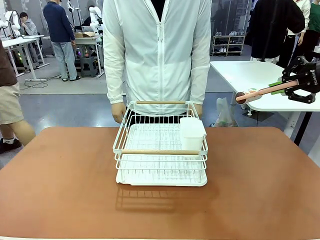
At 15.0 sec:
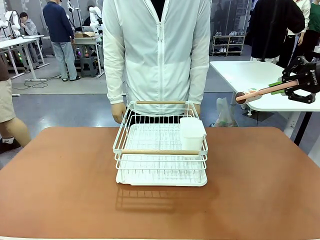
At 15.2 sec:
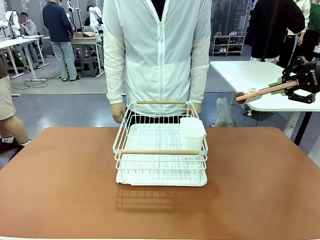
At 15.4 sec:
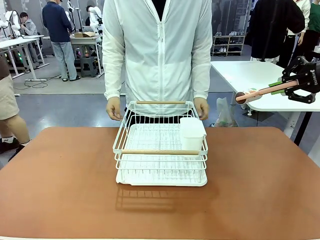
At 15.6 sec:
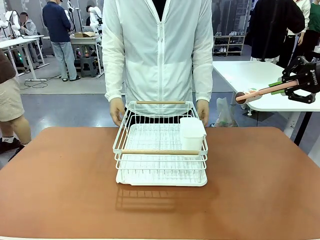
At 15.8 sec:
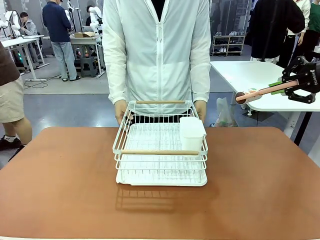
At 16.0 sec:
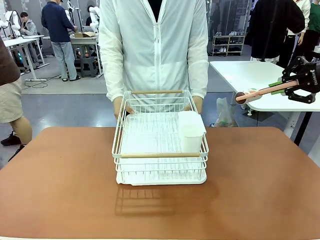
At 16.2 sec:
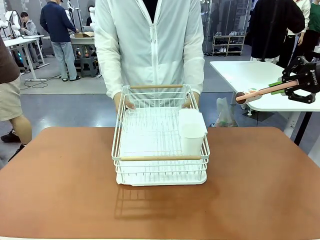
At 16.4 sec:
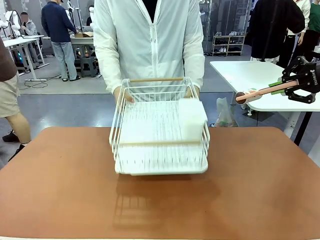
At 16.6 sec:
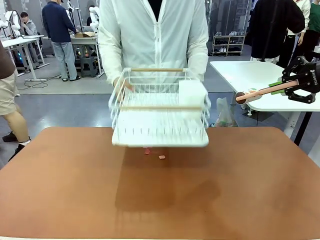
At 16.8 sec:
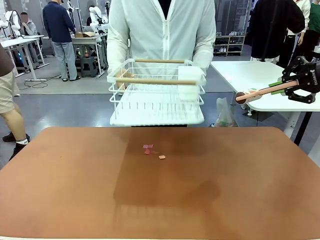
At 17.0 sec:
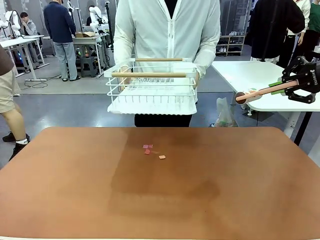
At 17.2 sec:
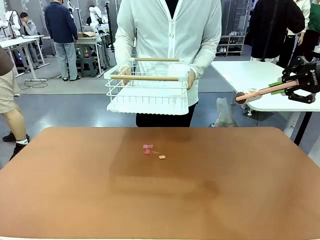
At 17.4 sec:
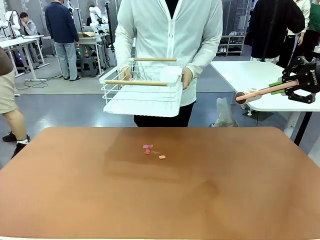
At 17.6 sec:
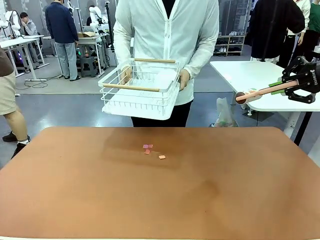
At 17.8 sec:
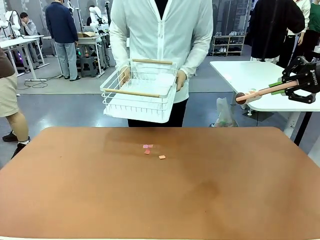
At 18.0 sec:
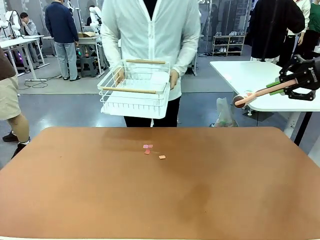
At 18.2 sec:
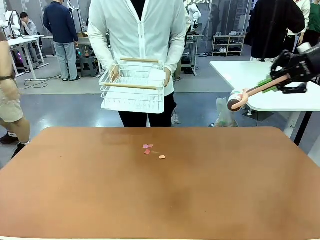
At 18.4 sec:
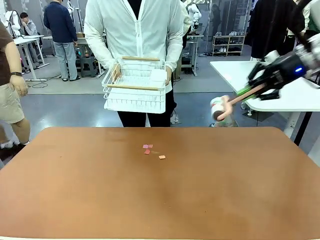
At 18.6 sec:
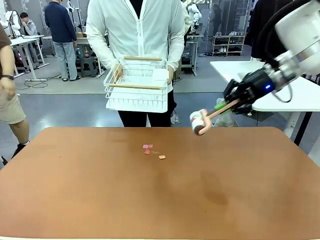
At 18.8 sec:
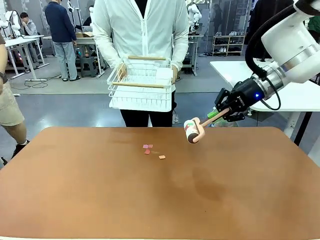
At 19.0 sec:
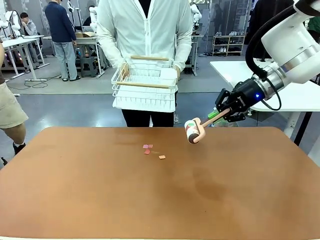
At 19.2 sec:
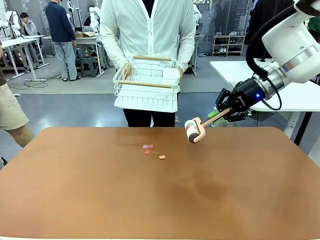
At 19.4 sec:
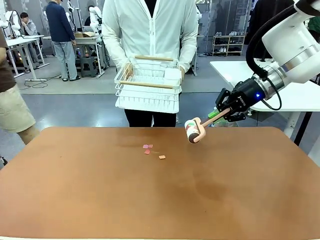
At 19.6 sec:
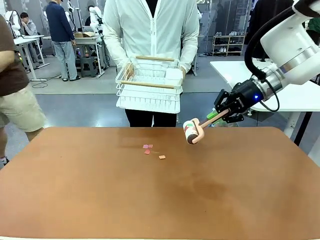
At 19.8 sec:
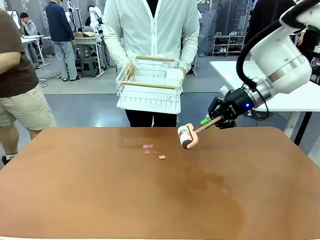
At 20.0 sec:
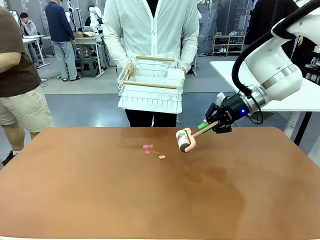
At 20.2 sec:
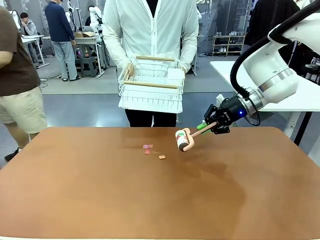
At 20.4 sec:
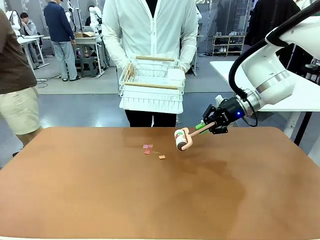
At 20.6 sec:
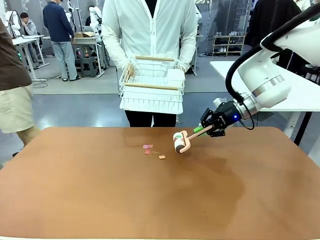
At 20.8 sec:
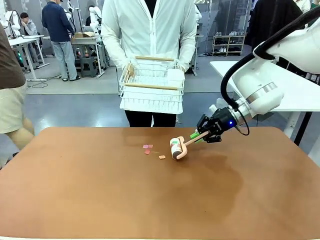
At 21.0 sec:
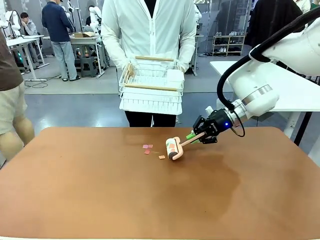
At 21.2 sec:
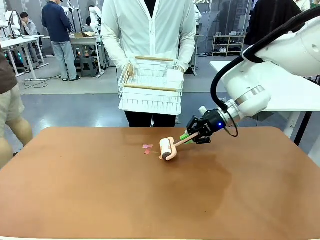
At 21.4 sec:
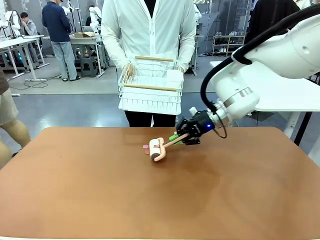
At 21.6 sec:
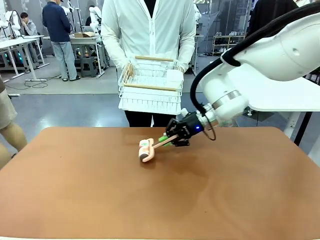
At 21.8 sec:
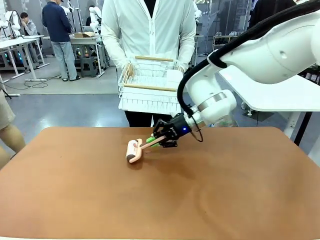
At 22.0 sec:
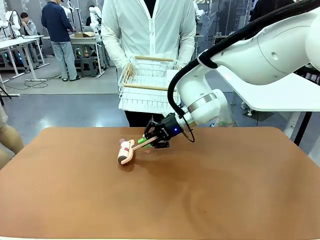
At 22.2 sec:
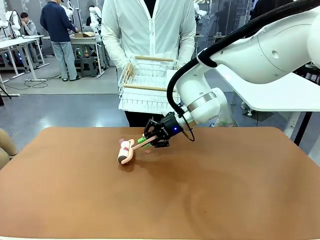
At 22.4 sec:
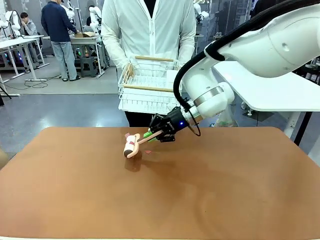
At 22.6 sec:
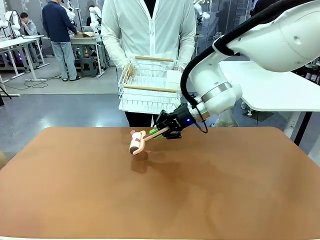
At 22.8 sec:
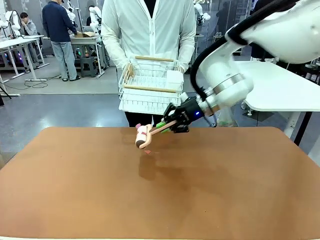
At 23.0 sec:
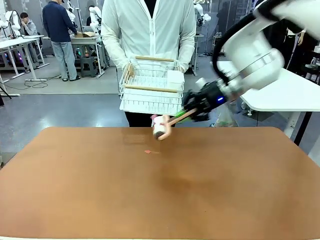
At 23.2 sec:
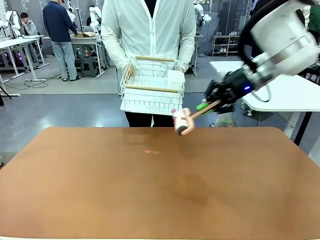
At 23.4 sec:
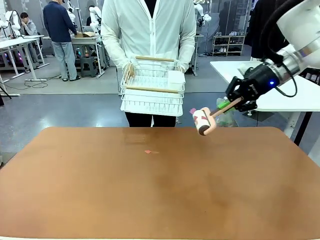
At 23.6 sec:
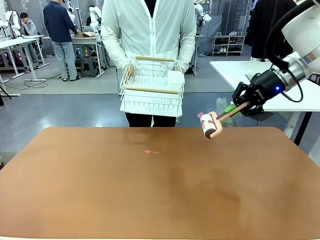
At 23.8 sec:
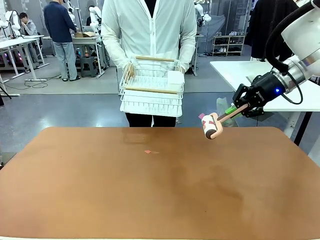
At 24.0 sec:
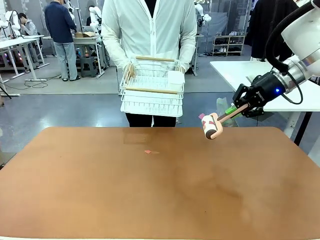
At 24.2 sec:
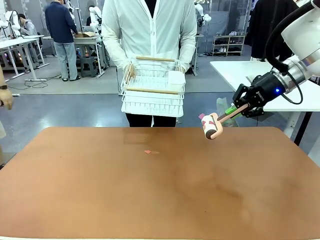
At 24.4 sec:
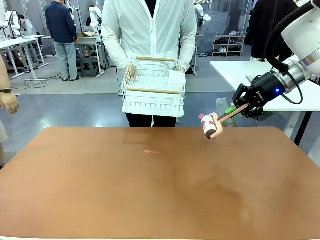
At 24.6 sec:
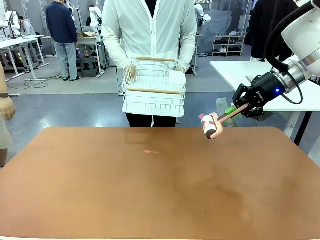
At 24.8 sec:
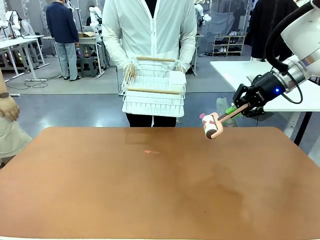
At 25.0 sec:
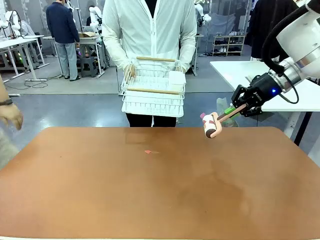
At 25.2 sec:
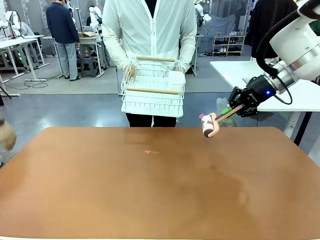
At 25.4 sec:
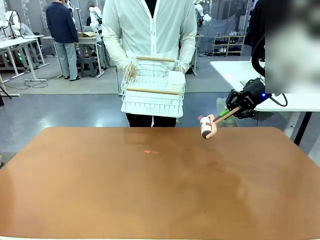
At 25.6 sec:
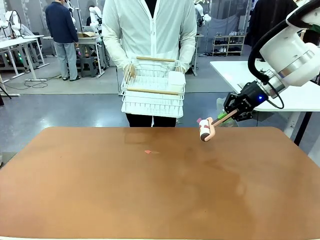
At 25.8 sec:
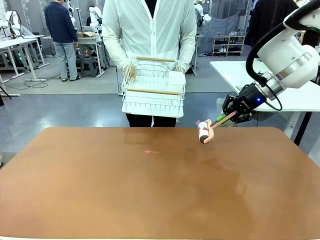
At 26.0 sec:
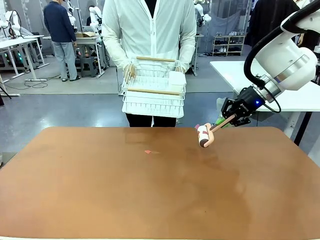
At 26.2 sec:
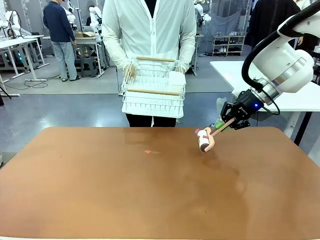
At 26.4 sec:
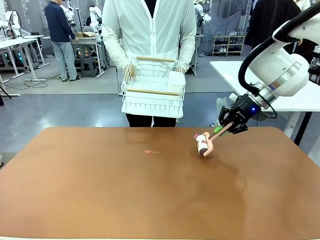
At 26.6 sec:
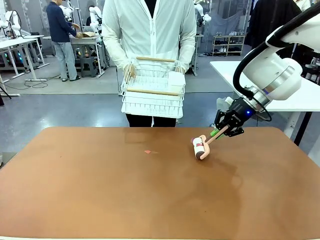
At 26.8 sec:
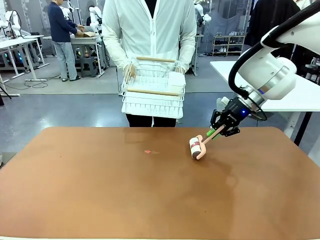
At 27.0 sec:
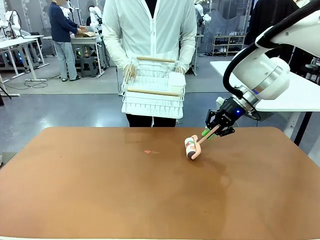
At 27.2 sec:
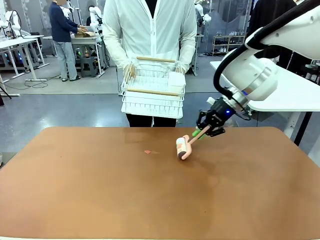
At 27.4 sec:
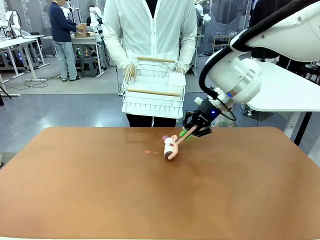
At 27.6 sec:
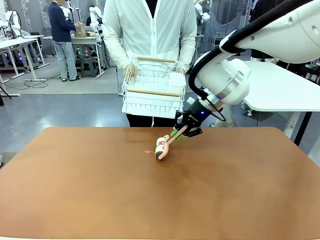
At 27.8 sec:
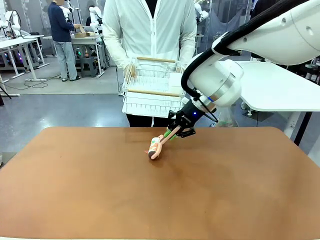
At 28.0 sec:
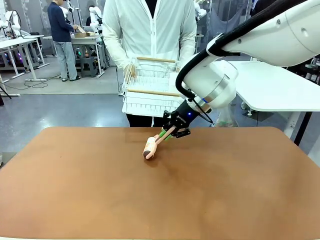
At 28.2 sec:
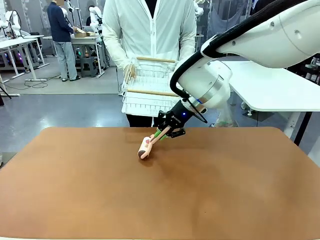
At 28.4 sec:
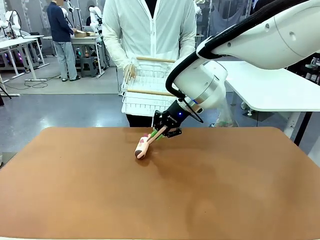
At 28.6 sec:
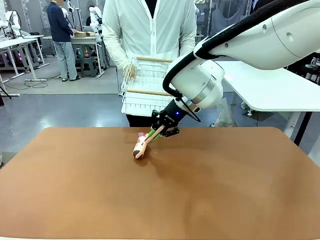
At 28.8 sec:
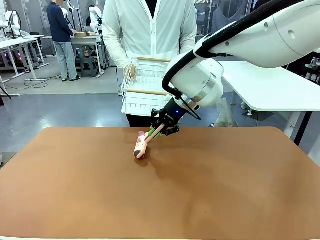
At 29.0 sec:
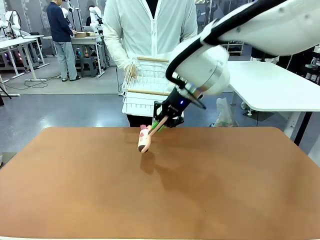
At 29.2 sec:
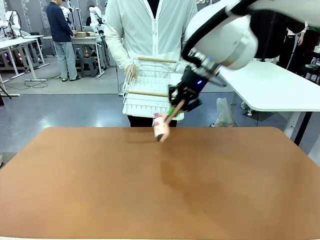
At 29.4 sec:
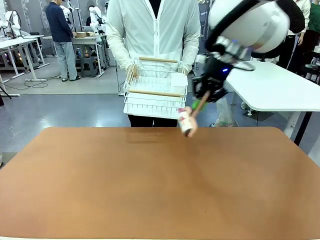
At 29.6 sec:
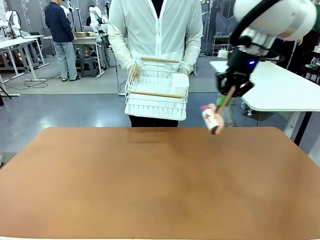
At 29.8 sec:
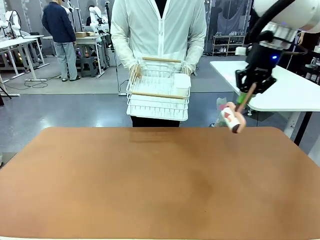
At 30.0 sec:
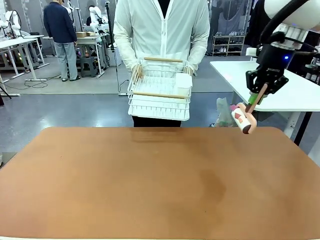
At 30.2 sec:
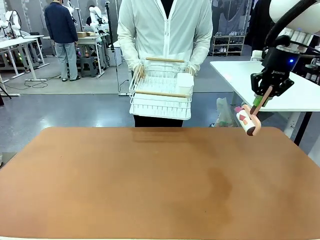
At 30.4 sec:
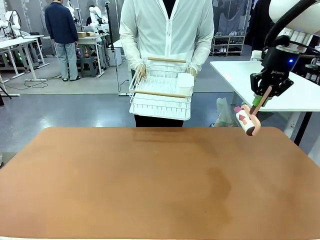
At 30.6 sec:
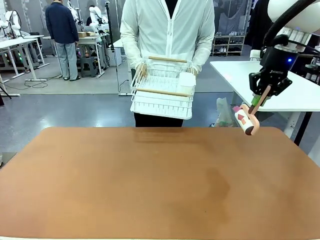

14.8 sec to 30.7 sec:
Task: Clean the table.
Robot: Clean the table with the Lint Roller when the human lifts the Dish drying rack.
Person: Place the Dish drying rack down when the robot finishes cleaning.

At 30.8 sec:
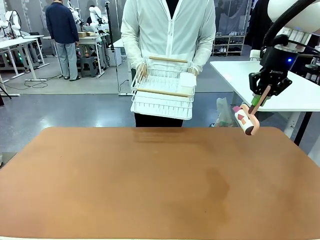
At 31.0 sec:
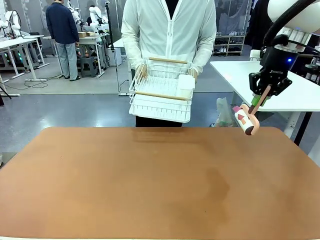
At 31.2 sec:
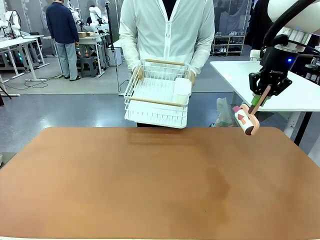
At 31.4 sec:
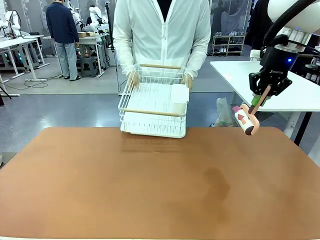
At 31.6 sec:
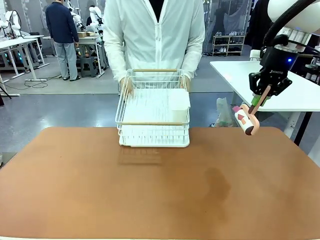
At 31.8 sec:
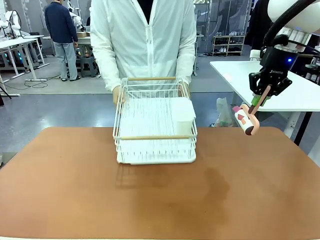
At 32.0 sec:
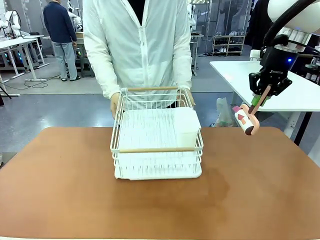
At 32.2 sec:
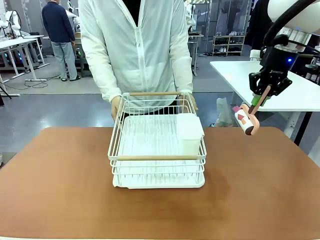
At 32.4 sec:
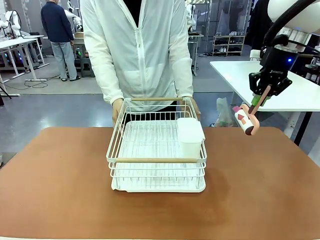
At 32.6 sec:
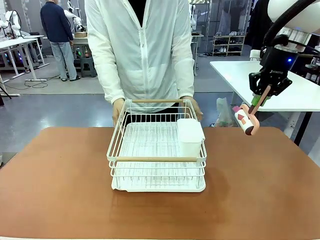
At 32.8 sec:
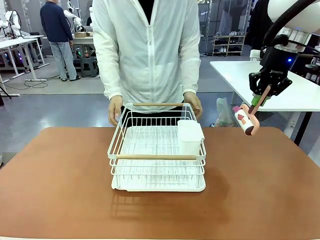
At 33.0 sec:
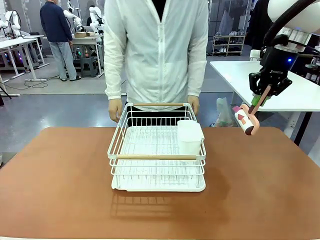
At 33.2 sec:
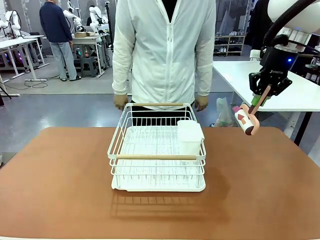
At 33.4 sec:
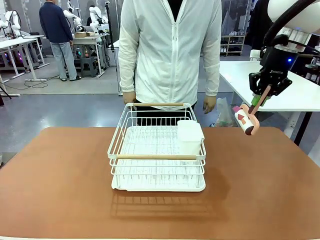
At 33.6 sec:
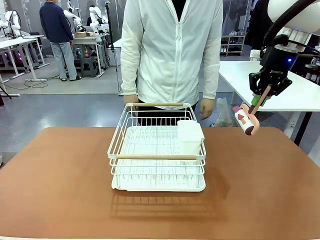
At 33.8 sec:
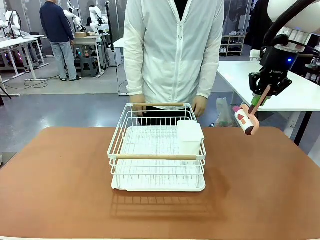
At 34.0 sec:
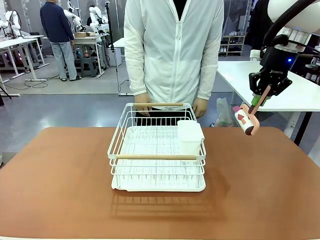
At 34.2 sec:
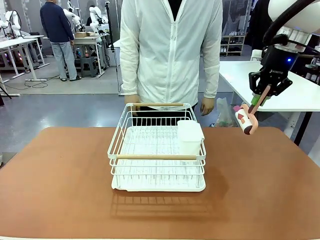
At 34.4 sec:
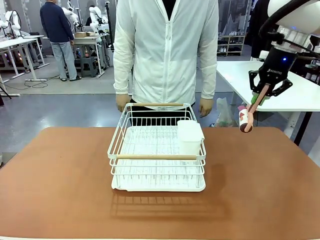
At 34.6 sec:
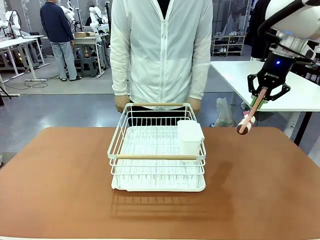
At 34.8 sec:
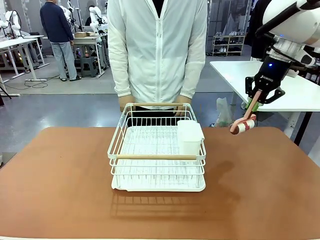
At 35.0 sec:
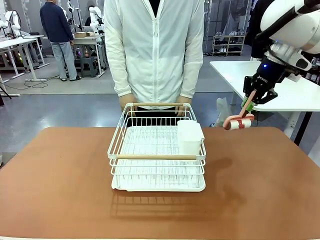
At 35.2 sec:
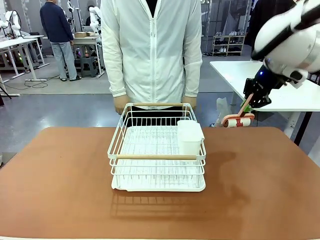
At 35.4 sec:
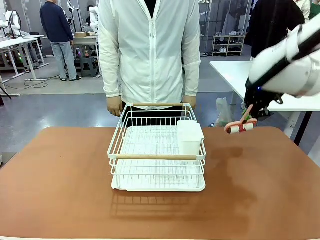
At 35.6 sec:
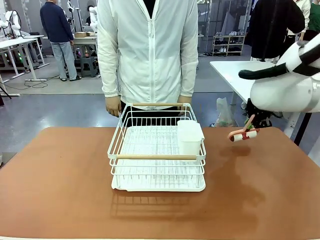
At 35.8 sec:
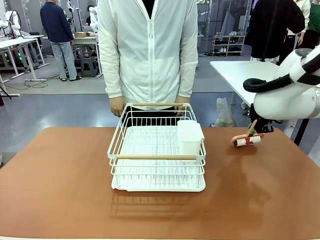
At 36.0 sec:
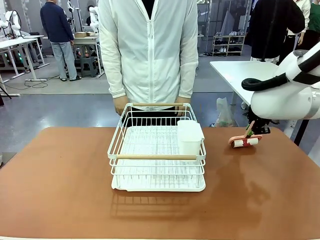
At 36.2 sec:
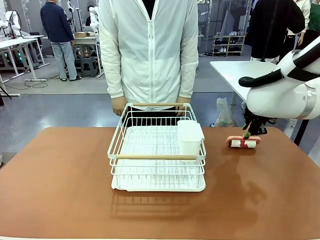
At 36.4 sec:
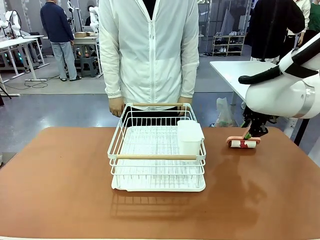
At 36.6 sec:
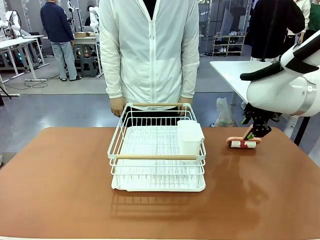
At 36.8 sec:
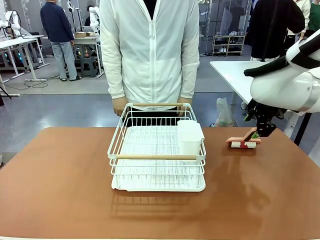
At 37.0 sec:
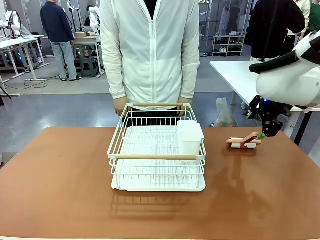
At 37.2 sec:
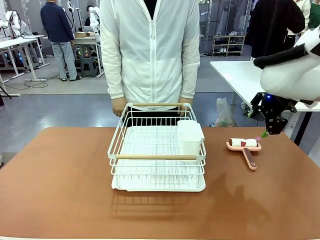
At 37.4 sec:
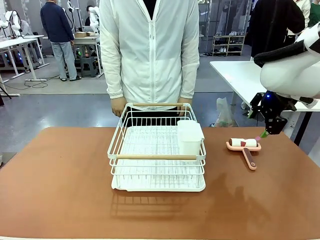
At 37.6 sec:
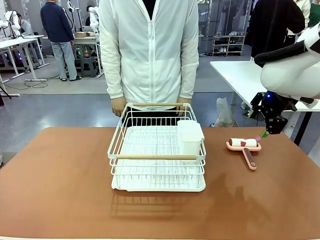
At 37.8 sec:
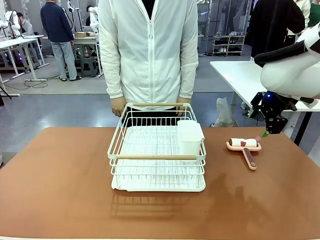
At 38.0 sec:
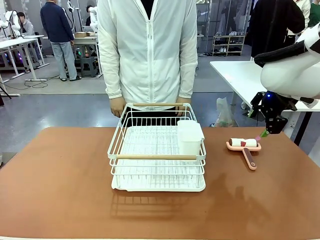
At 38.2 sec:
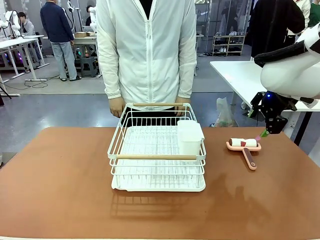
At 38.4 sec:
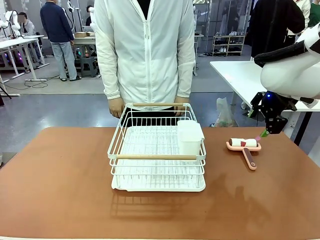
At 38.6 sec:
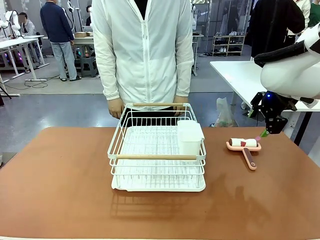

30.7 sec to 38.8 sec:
Robot: Place the Lint Roller down when the Dish drying rack is positioned in the middle of the table.
